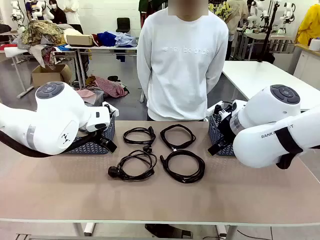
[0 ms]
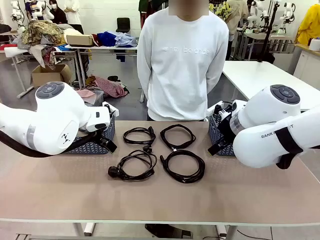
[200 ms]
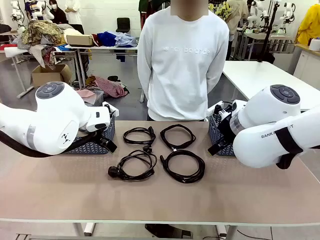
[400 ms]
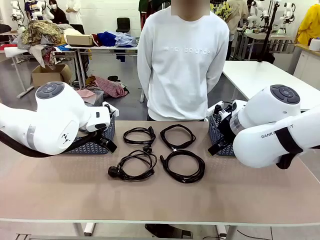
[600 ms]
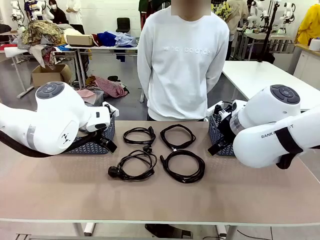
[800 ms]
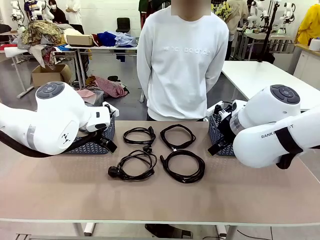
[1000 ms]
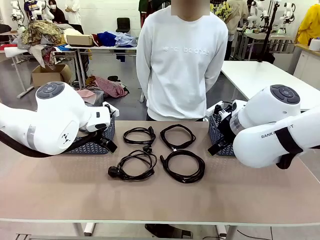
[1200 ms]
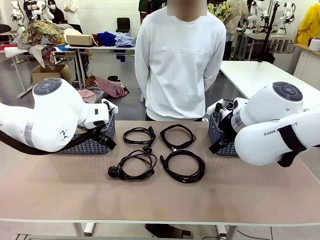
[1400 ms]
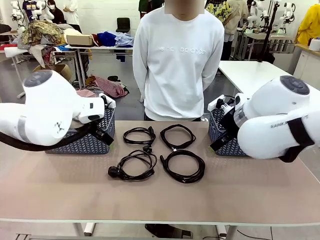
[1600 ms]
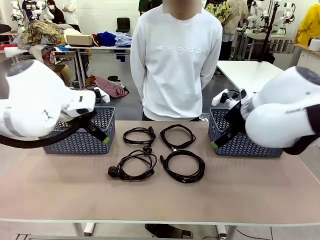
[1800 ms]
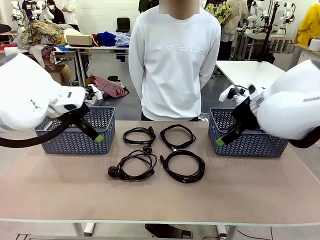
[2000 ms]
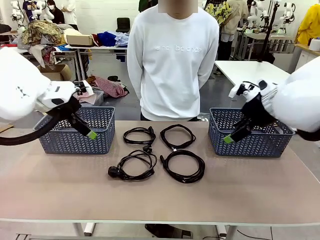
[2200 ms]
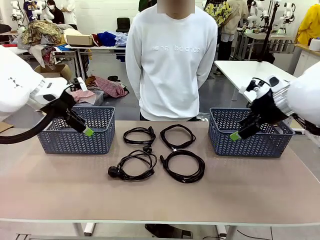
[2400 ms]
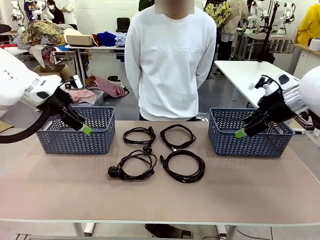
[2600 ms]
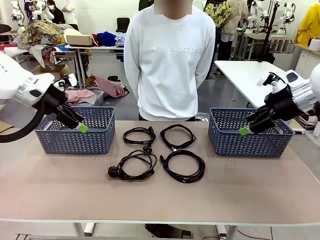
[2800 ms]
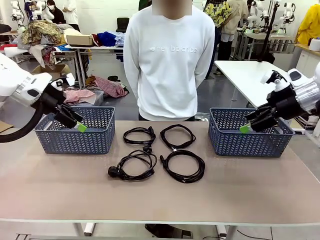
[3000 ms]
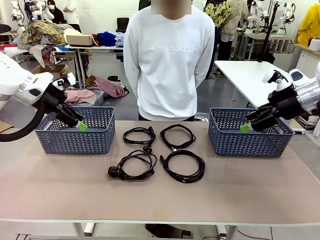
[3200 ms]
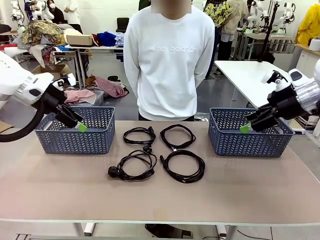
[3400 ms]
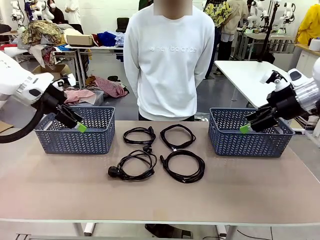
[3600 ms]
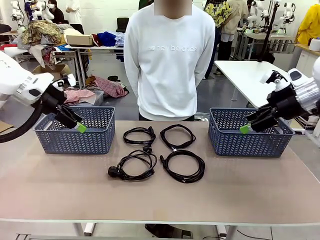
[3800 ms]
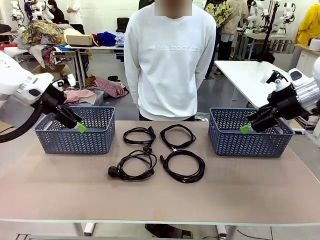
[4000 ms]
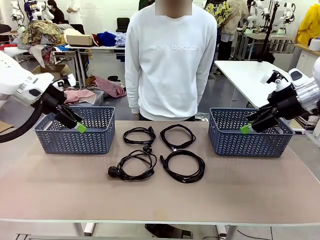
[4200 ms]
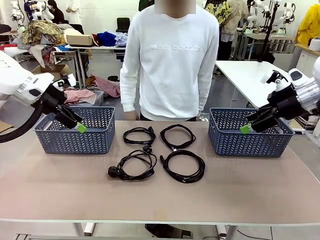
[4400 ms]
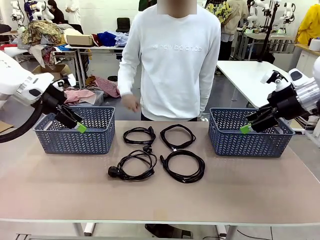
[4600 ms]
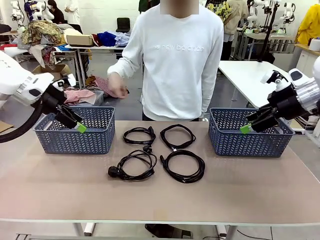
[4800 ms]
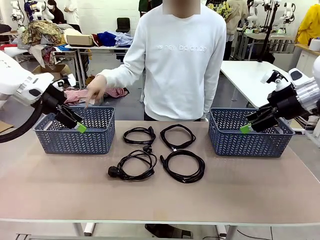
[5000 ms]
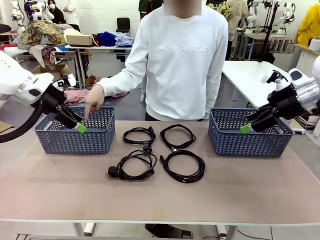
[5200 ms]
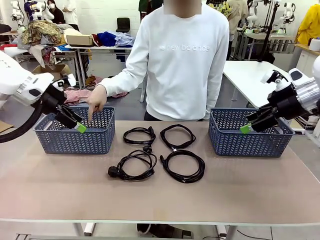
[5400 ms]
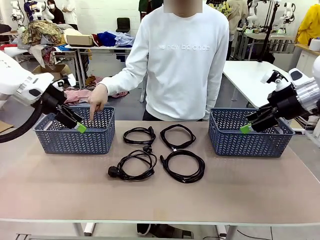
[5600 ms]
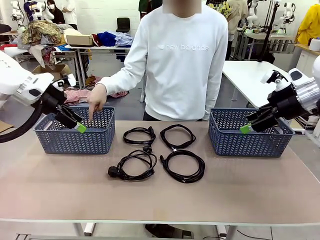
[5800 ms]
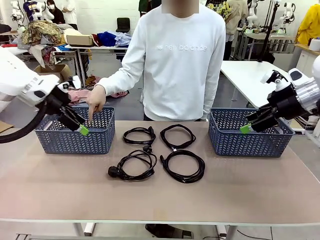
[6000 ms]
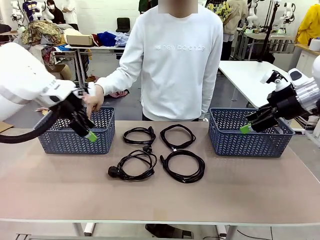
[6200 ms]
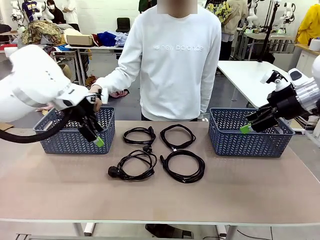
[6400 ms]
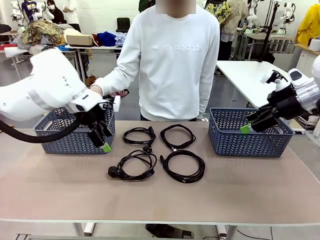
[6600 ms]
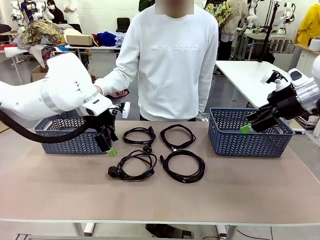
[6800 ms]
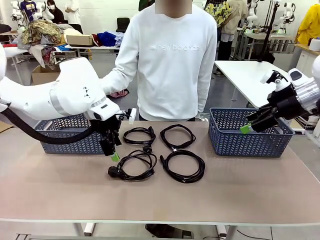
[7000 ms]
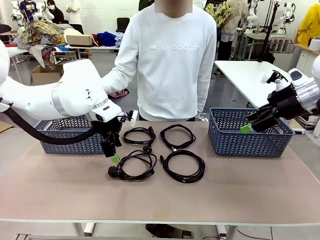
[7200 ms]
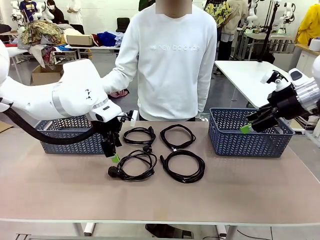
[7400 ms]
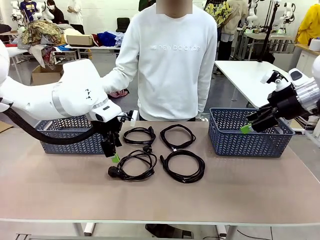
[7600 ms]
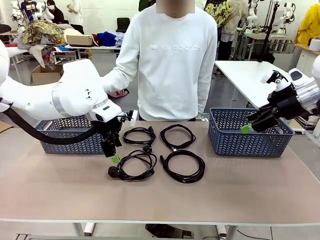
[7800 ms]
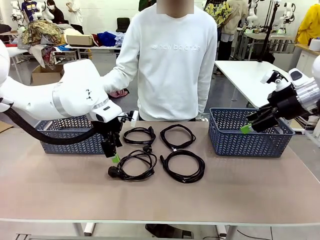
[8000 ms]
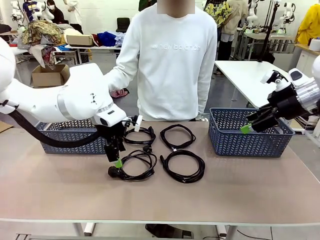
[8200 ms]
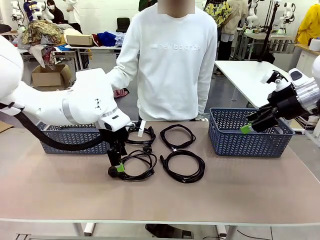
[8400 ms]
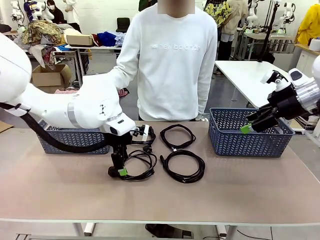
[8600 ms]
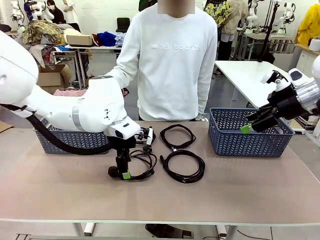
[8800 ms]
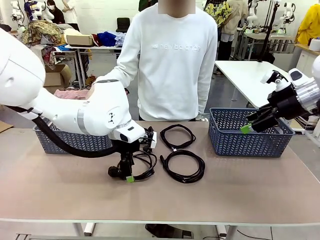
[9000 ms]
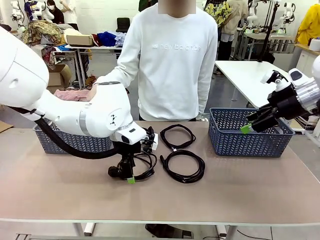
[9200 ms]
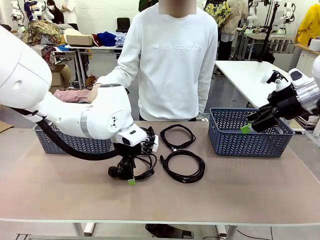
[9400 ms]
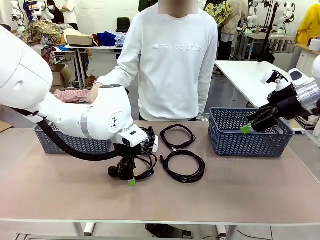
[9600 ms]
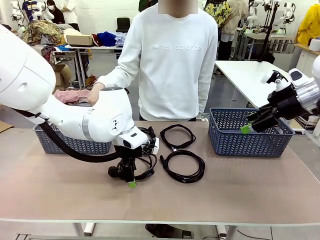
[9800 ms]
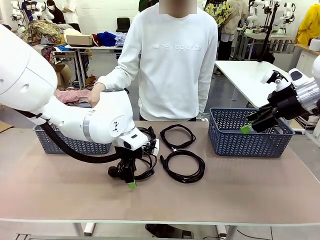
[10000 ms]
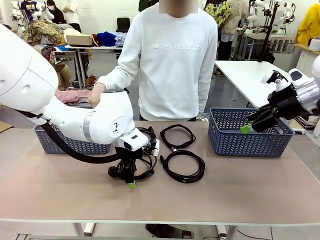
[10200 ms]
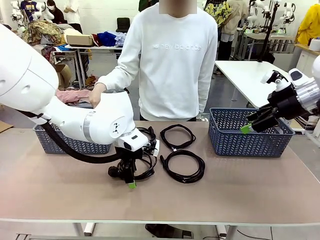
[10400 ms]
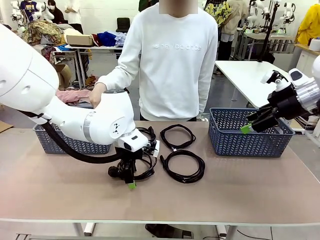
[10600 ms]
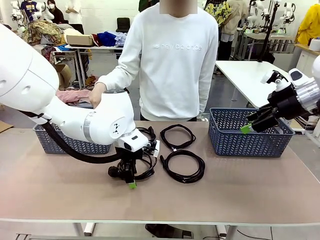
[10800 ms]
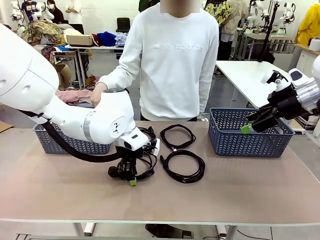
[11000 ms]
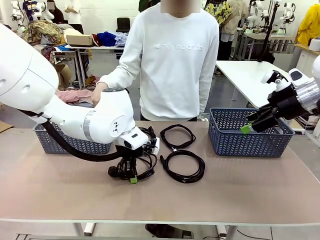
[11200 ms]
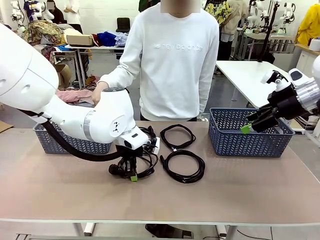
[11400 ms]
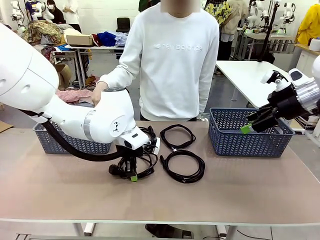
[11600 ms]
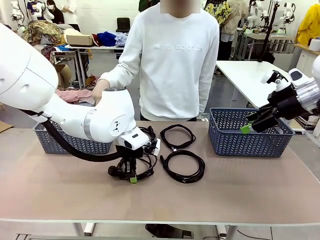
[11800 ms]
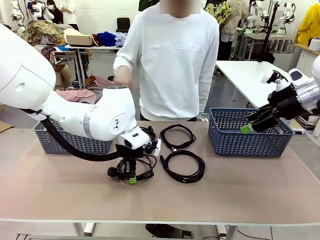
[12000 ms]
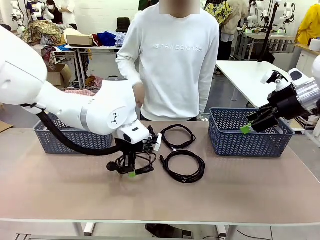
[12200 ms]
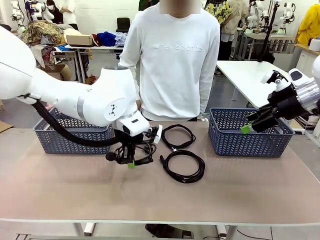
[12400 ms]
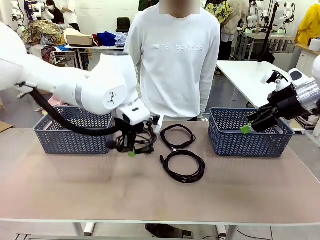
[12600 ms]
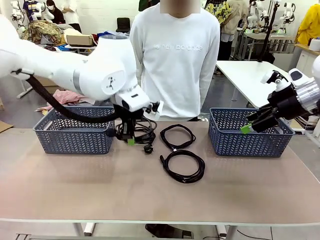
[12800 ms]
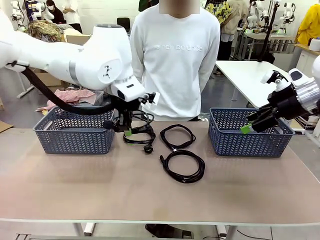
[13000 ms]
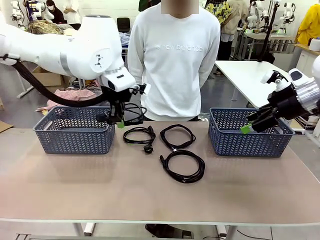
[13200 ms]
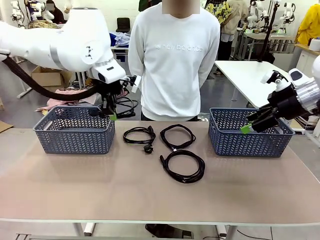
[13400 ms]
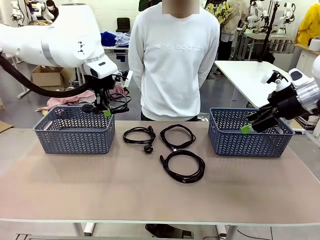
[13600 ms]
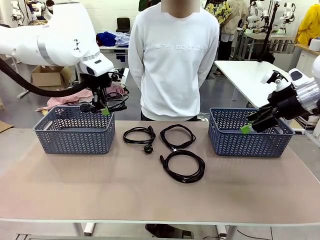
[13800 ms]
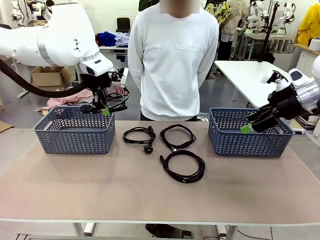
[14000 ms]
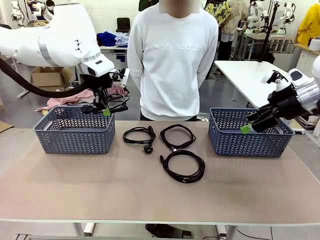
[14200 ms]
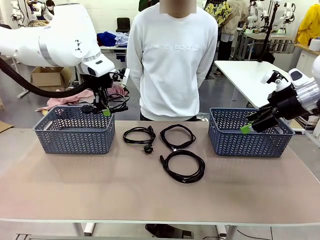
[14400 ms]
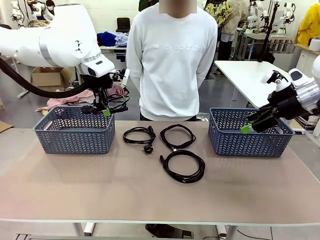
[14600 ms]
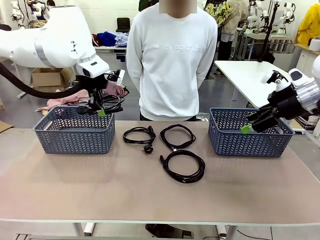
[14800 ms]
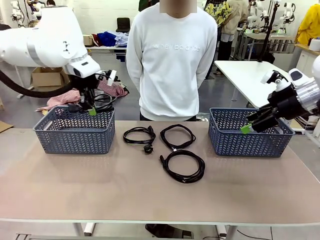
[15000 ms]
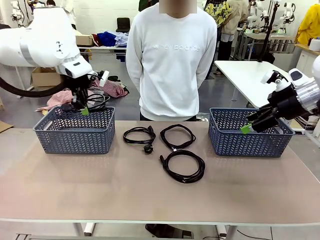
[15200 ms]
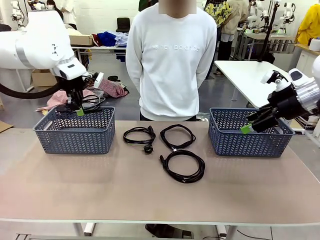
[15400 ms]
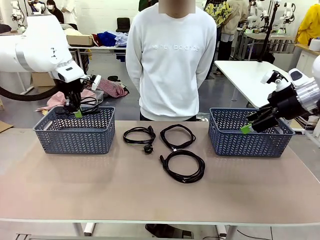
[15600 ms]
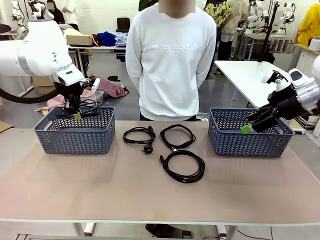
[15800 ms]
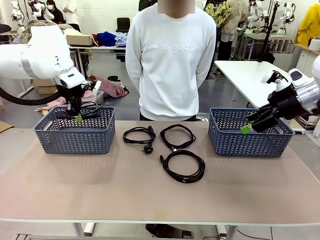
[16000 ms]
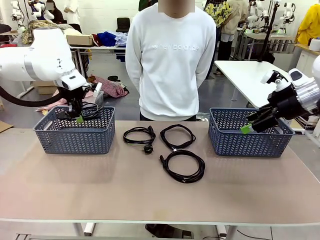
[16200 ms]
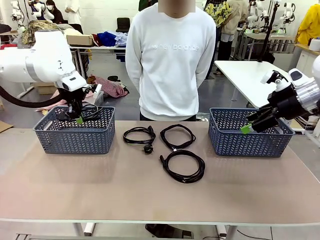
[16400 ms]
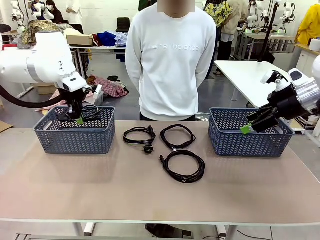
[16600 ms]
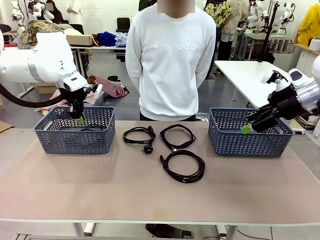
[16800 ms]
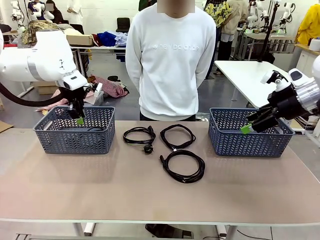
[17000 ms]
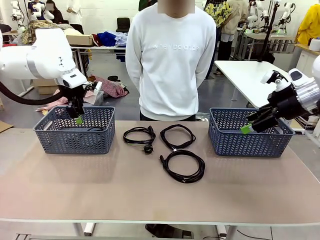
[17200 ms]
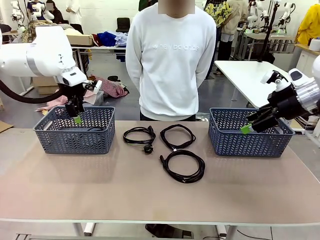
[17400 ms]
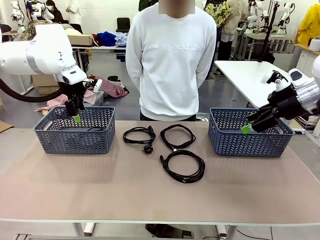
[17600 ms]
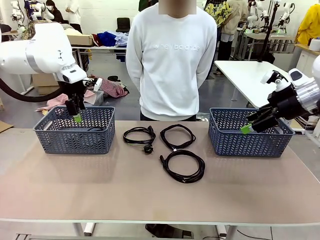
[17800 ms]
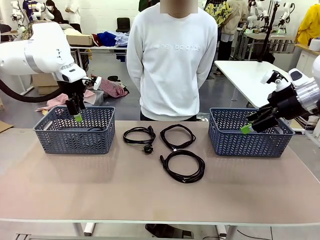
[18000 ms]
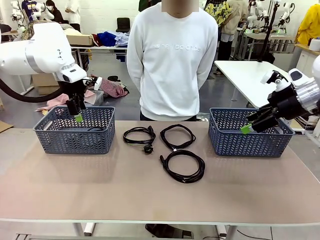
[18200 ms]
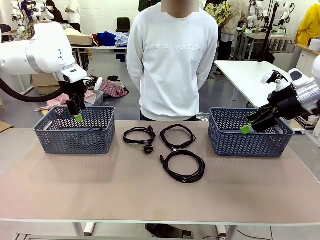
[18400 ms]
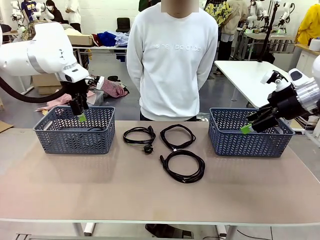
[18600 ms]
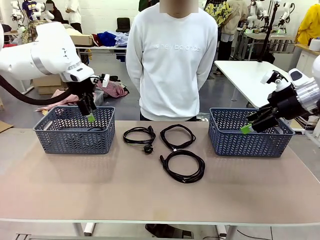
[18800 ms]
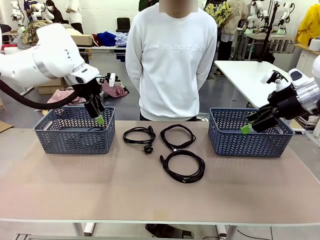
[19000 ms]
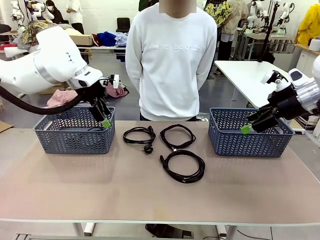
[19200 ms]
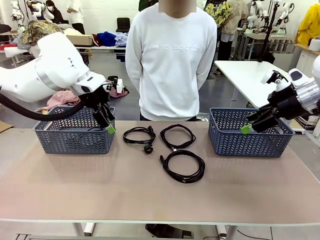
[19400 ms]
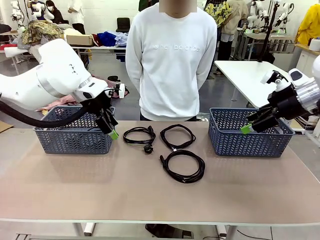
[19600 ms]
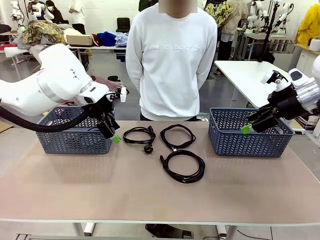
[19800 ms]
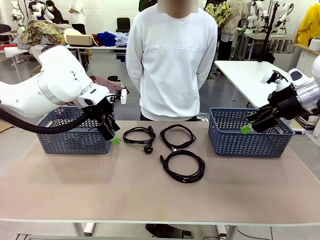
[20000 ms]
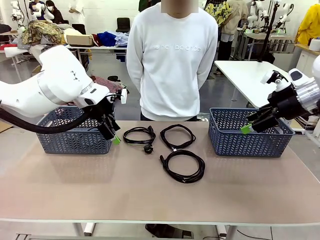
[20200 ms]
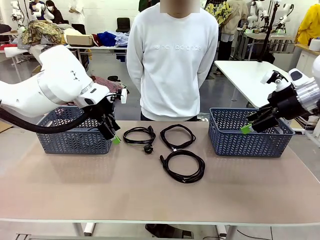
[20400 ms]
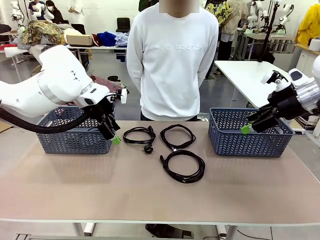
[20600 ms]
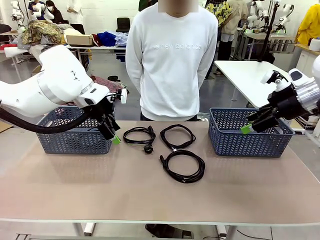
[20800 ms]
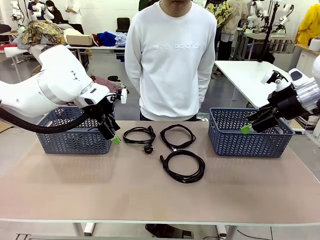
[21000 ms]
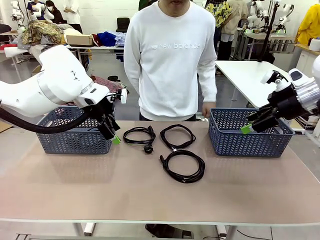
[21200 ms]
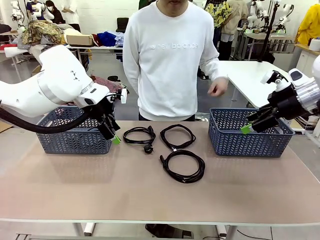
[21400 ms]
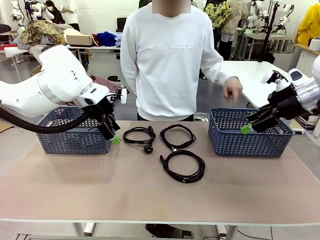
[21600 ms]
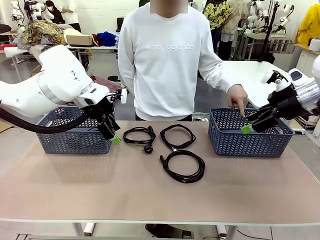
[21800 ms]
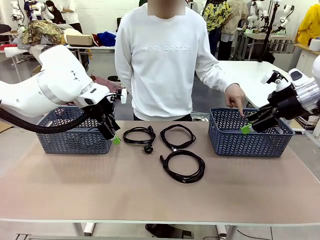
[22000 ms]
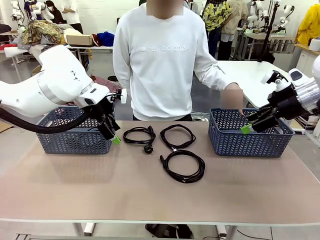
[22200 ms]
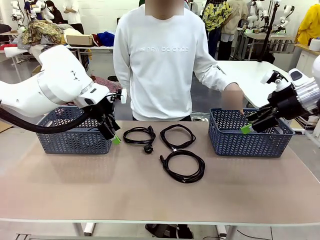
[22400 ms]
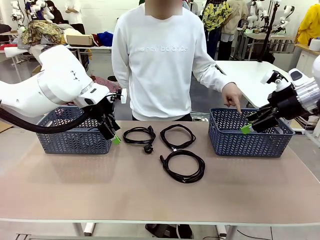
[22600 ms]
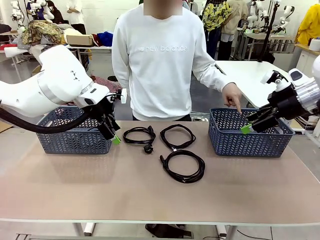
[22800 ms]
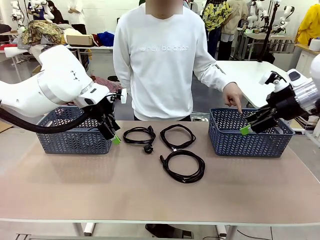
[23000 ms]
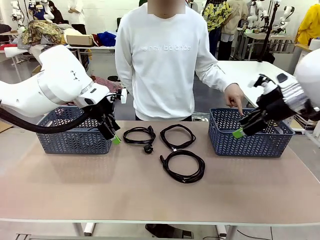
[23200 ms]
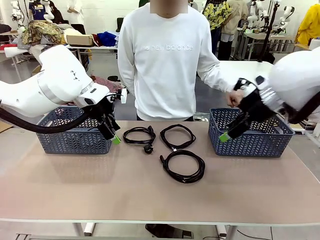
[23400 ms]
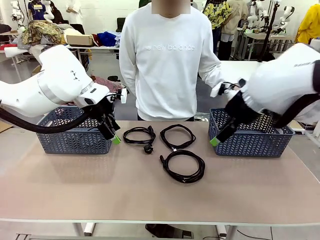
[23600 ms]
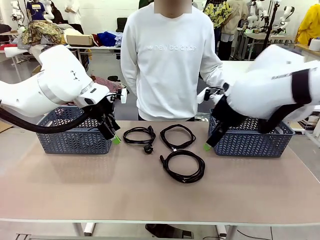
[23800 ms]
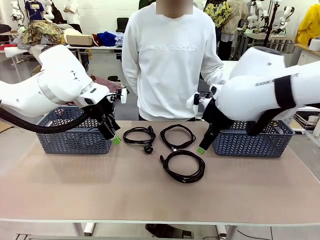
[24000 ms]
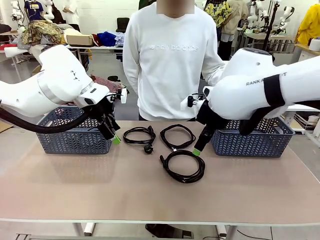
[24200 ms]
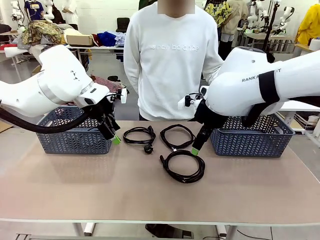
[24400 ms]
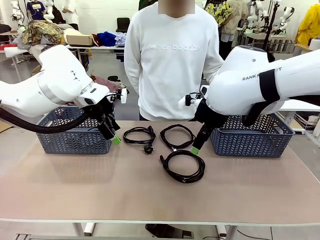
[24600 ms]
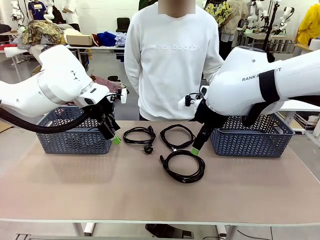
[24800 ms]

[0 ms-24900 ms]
Task: Organize the cables according to human instructions.
Robot: Pick up a bundle of cables and place it in the basket indicated by the human.
